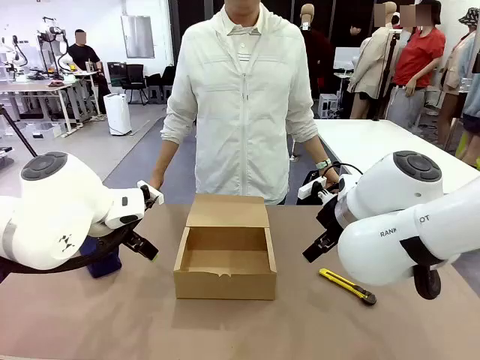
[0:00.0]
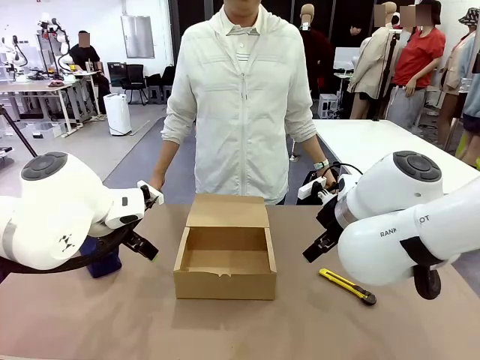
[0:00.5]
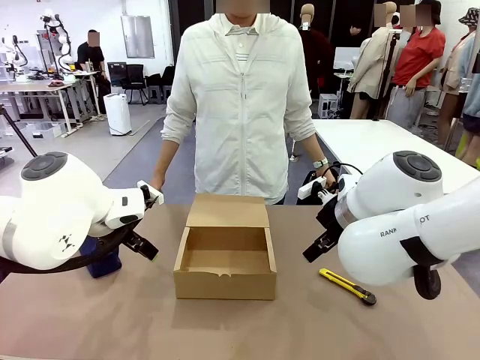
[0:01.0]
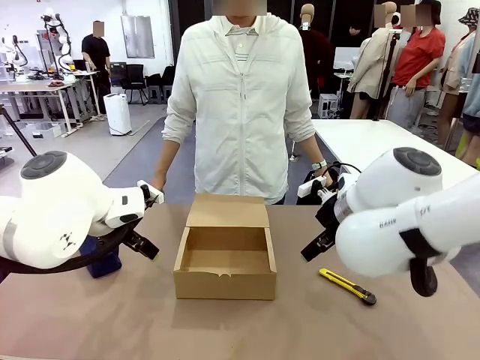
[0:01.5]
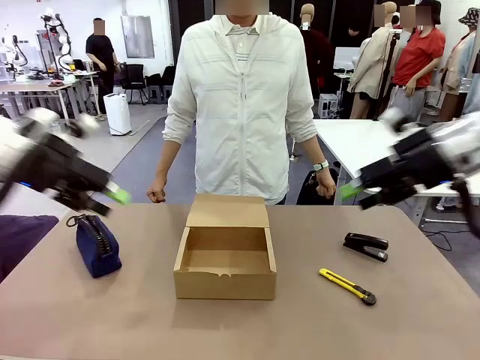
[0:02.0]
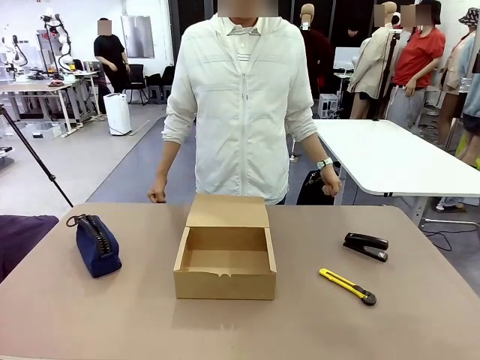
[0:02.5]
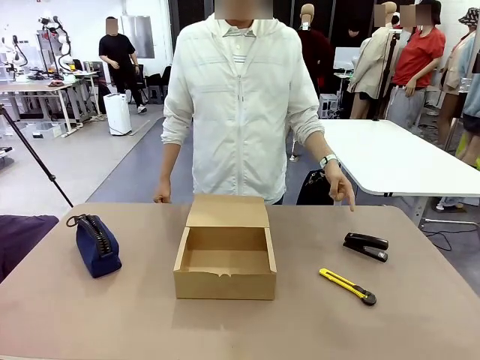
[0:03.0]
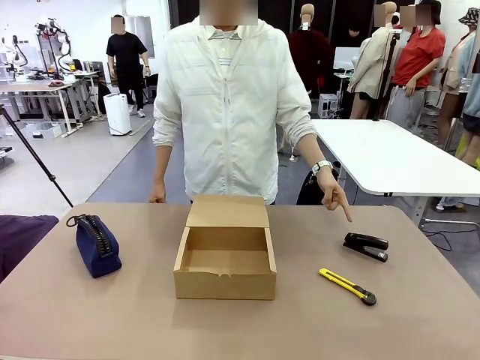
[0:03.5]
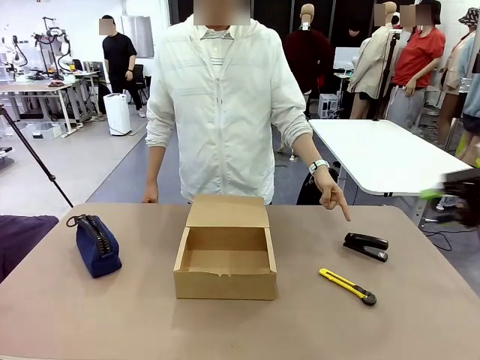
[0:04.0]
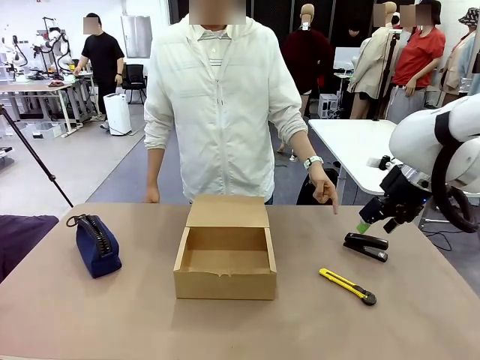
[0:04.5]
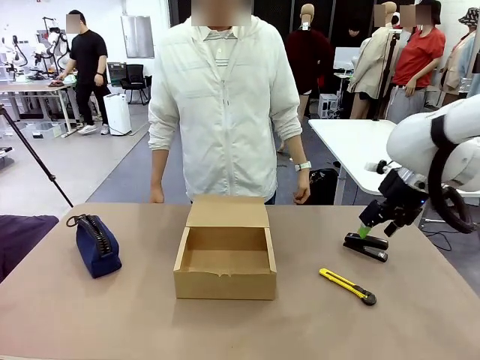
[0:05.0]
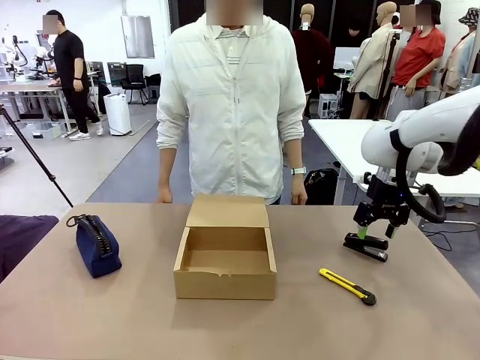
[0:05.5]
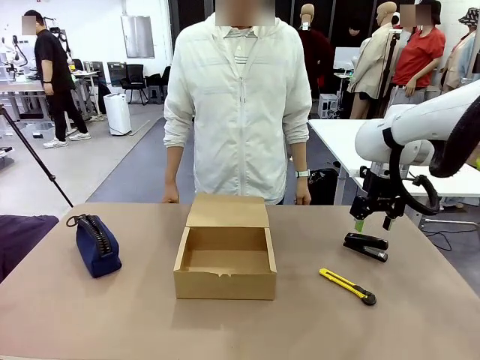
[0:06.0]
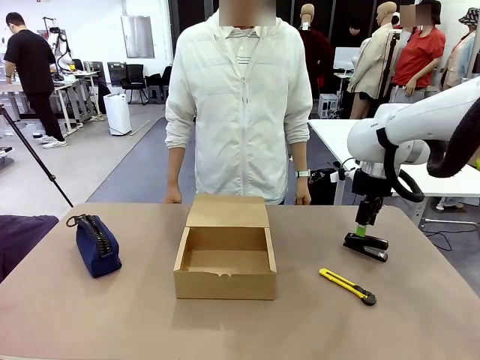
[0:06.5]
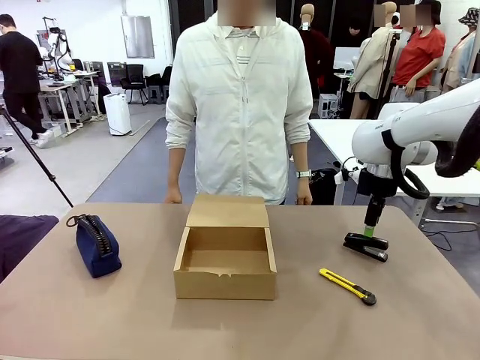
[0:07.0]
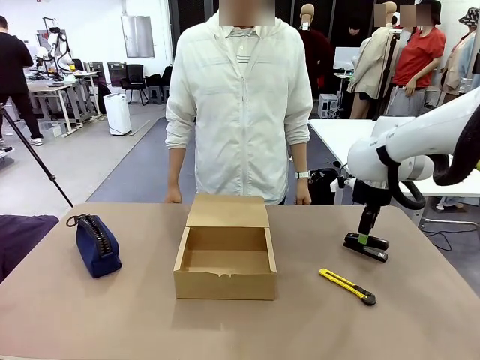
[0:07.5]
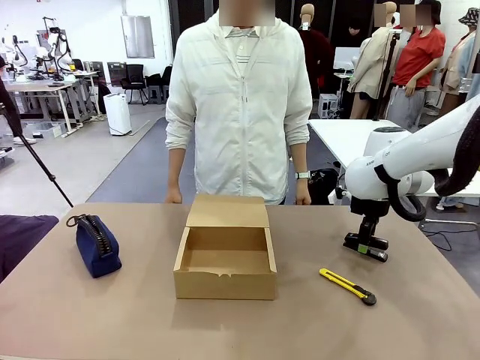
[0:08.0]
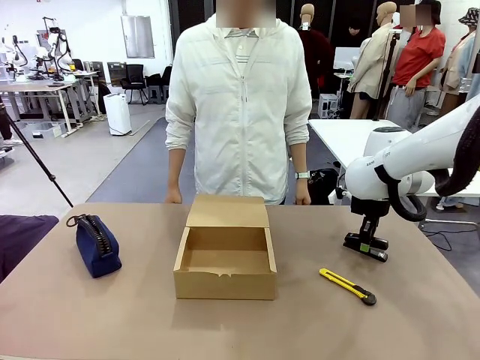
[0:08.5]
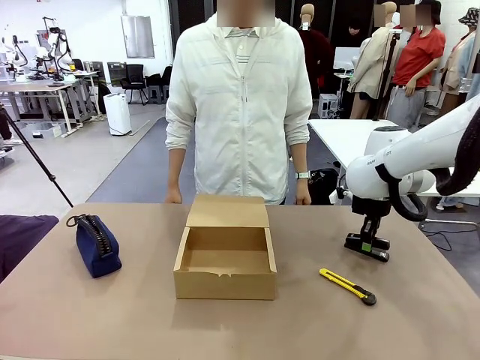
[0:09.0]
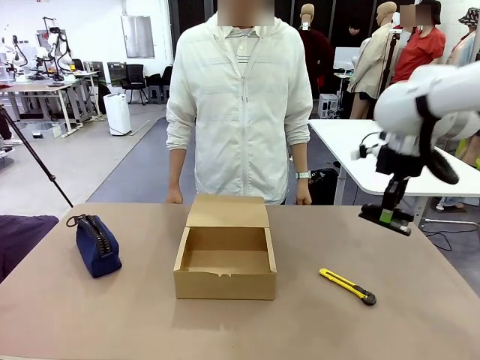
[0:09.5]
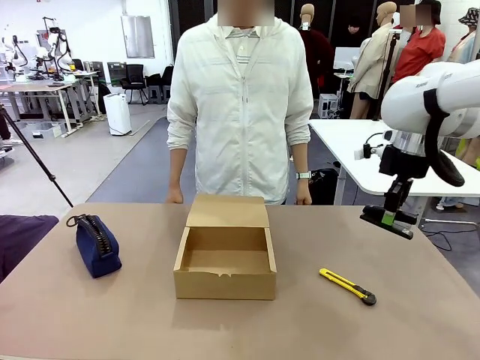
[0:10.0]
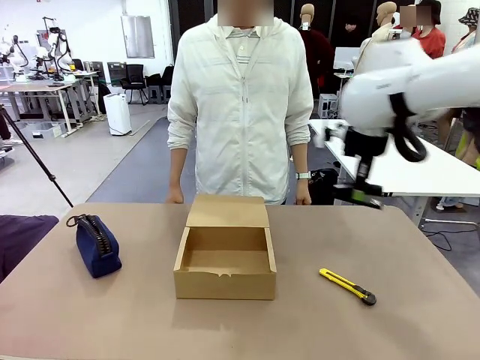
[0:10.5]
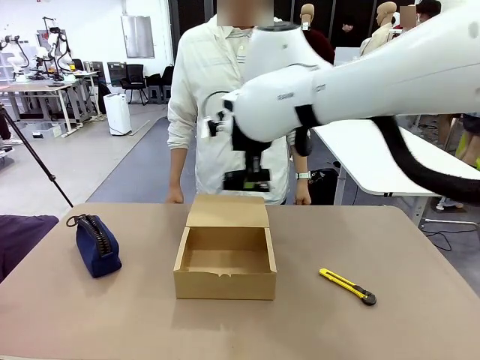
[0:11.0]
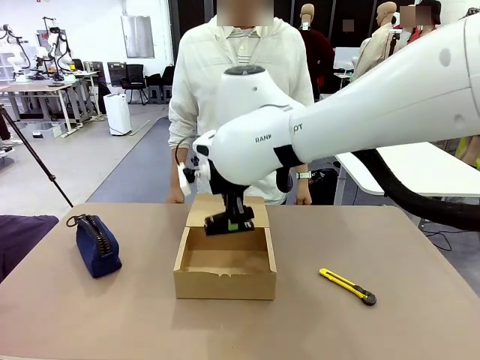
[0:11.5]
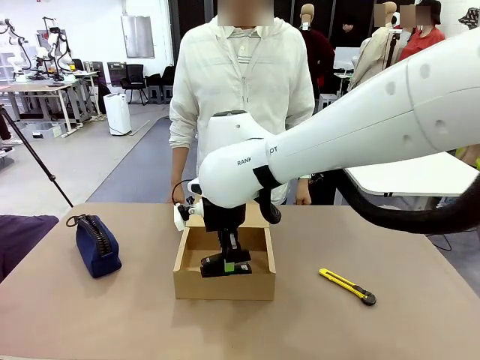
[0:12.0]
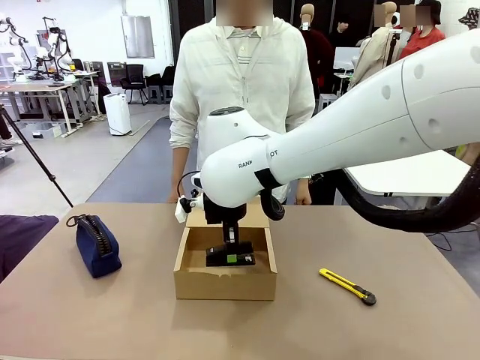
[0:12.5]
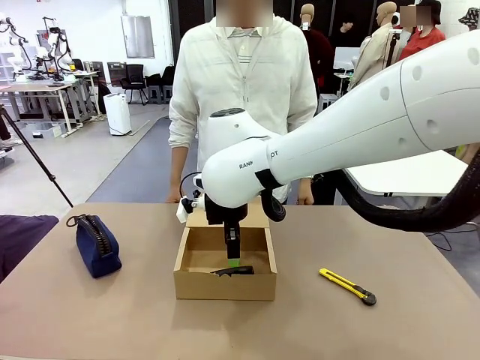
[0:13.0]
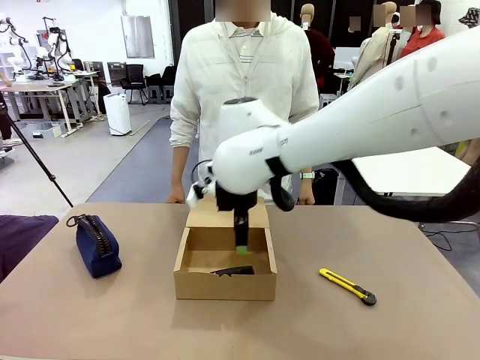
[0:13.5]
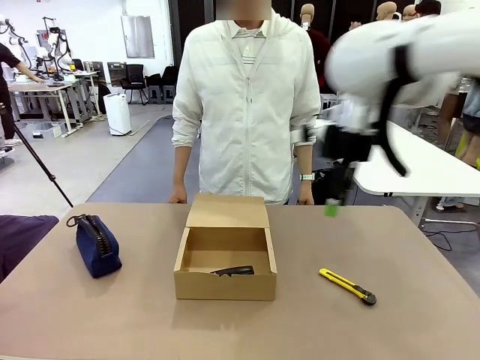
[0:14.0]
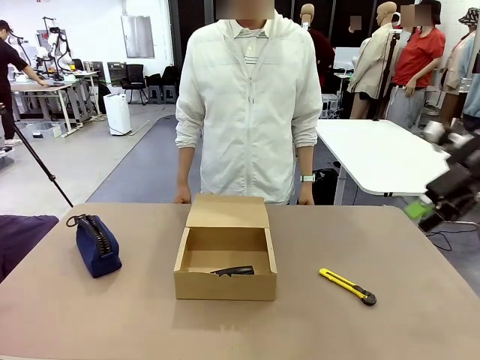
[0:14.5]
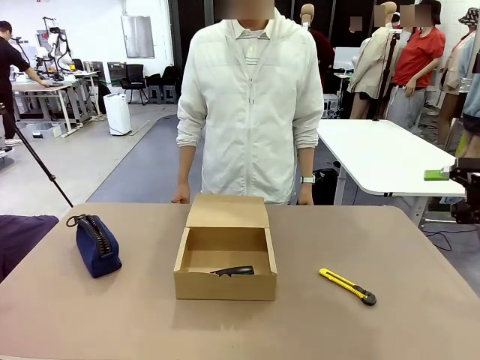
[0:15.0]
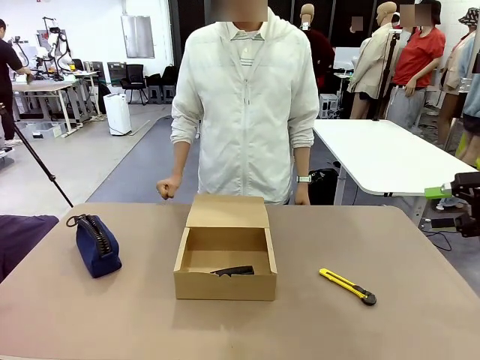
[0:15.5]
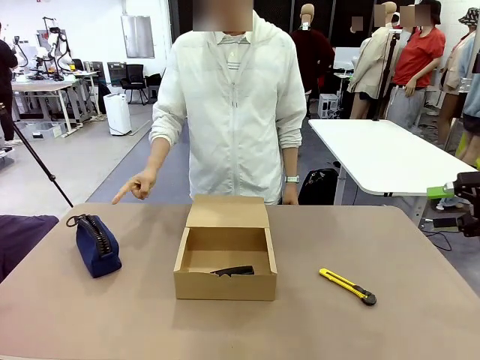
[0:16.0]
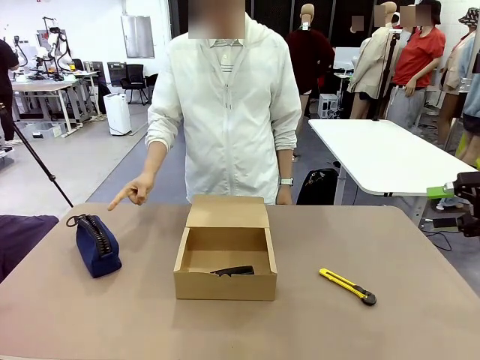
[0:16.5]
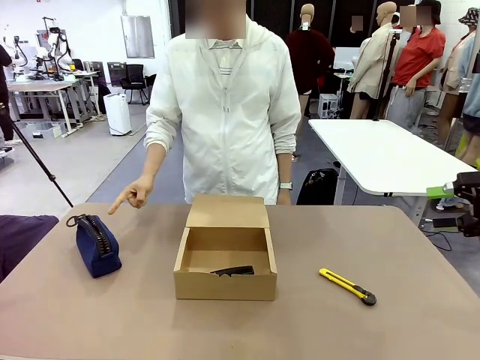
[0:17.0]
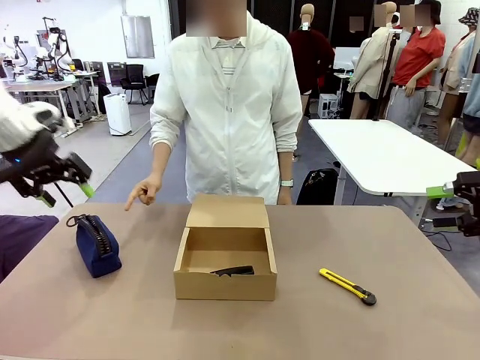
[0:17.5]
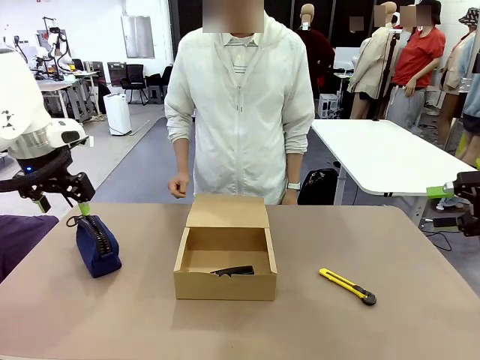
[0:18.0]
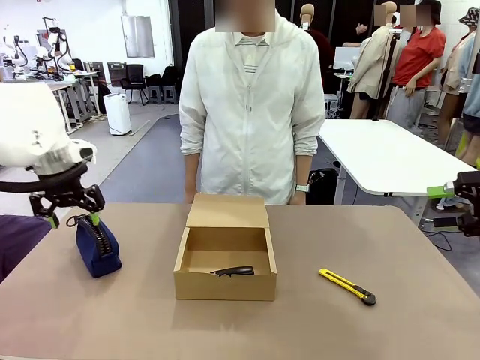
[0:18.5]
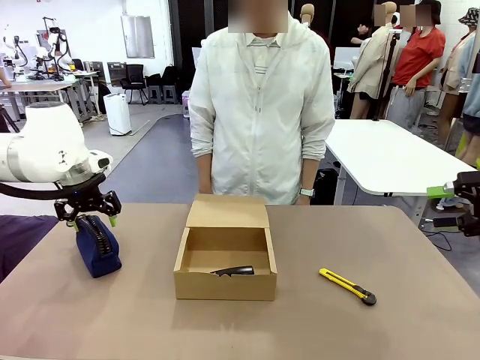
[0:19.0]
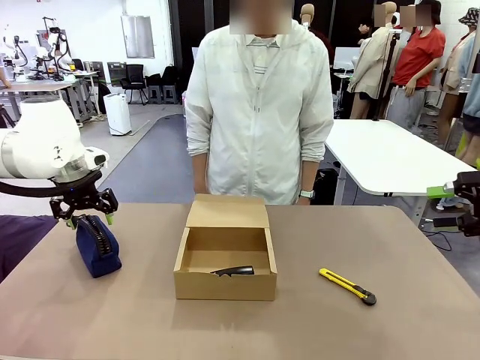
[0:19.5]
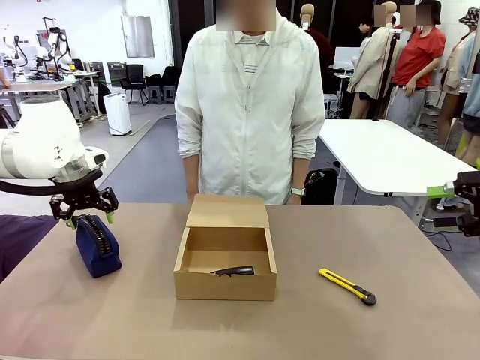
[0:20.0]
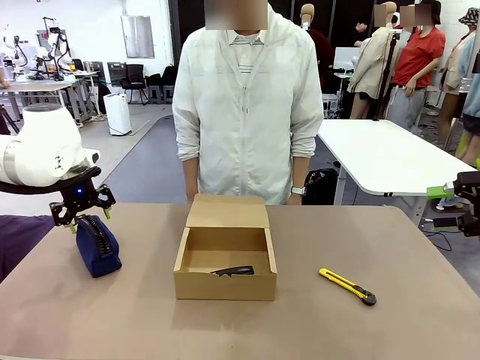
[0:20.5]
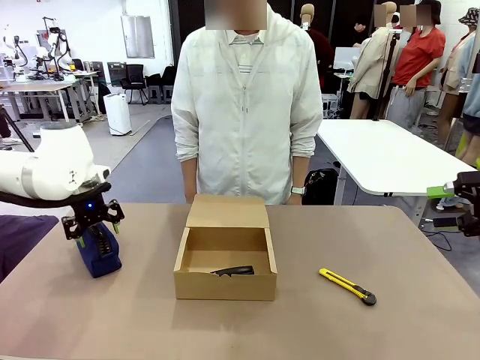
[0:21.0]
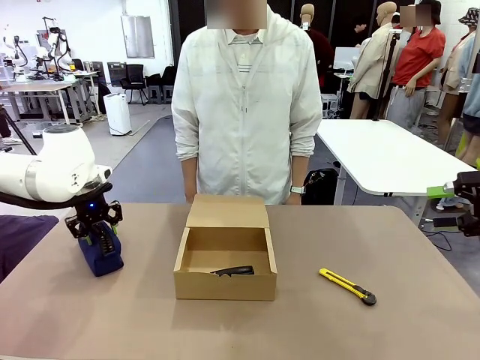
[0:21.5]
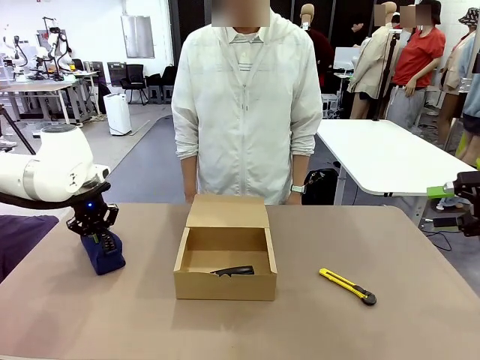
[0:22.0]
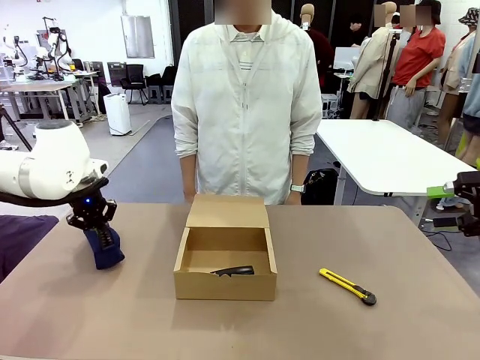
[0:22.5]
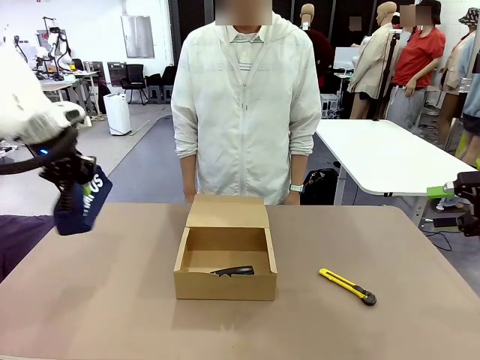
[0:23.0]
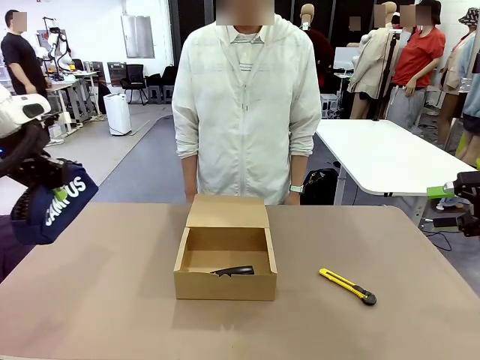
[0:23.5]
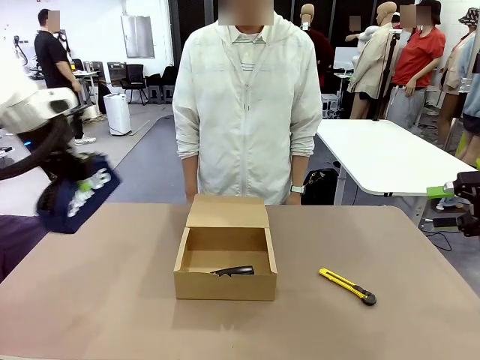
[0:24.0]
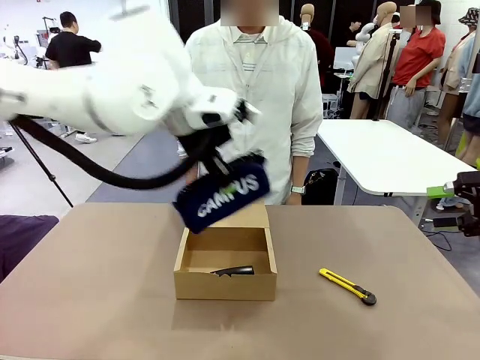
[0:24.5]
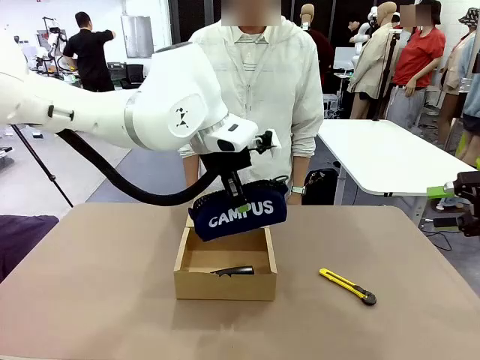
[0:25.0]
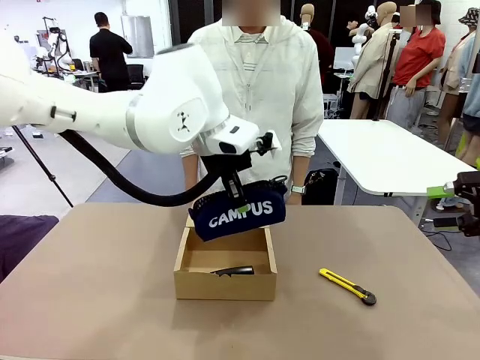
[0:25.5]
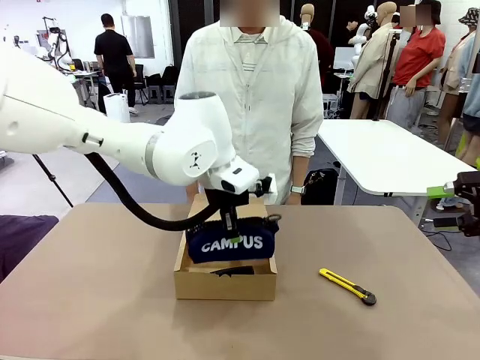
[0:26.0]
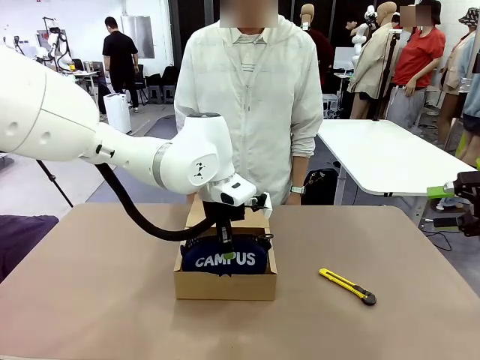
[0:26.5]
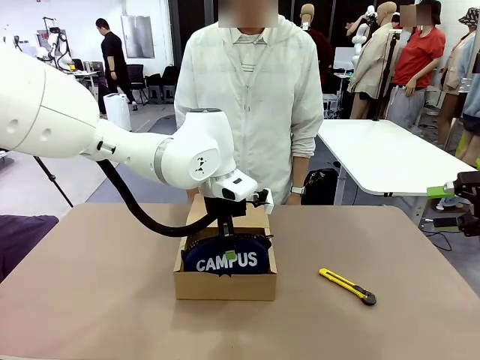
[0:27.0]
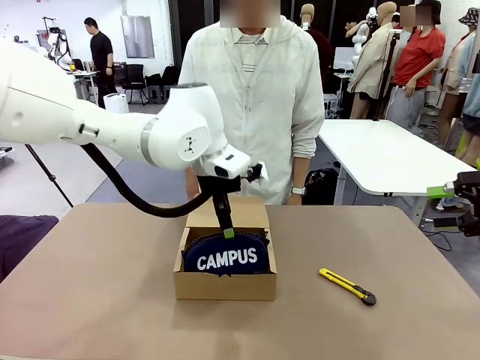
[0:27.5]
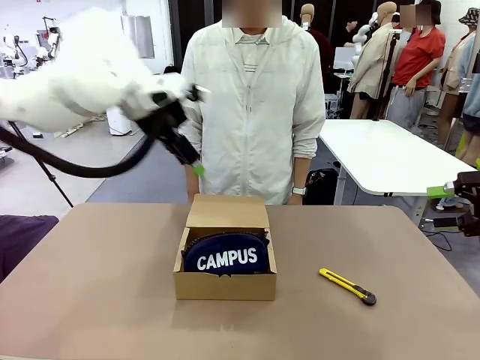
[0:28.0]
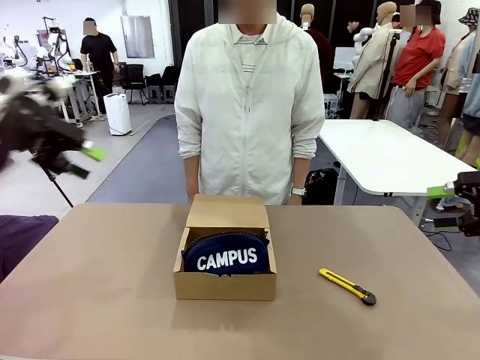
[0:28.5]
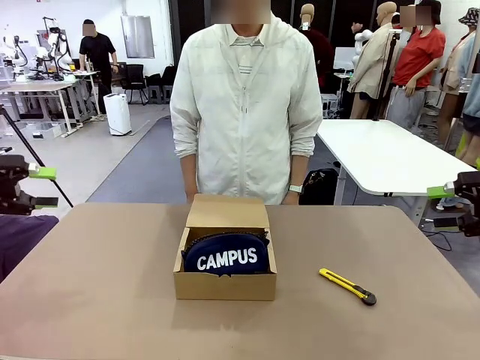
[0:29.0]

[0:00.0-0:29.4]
Task: Pack the items into the box.
Robot: Pick up the item specified by the human and place it in the Mailer Box.
Person: Point at one item on the table (excluding the box). Lower both hands vertically with palms facing downward, as if pressing something closed.
